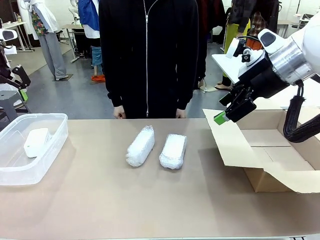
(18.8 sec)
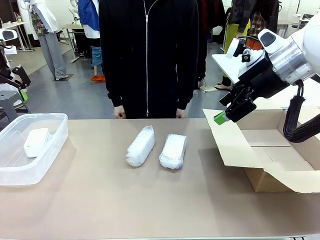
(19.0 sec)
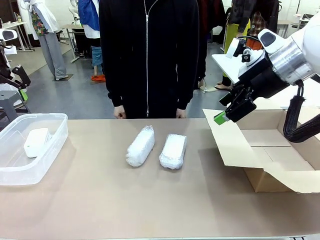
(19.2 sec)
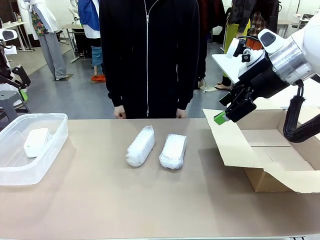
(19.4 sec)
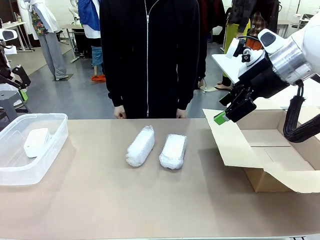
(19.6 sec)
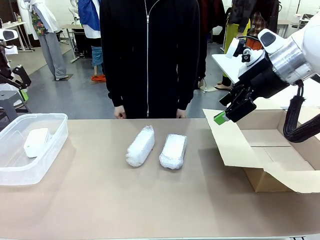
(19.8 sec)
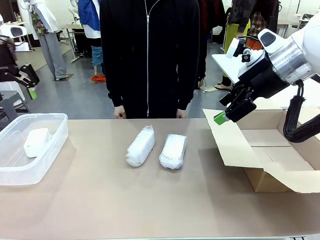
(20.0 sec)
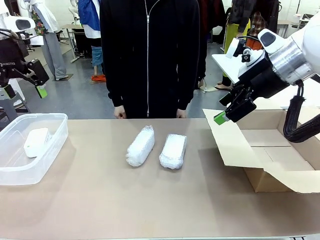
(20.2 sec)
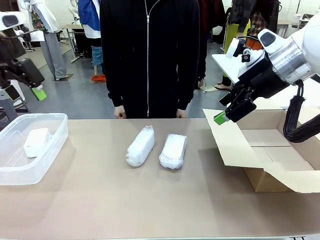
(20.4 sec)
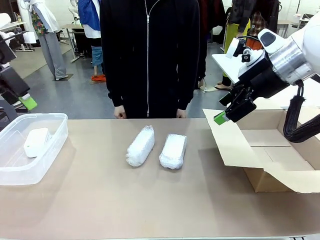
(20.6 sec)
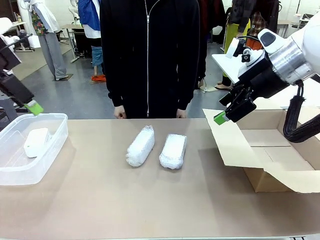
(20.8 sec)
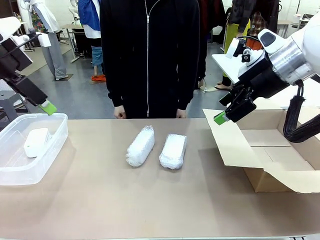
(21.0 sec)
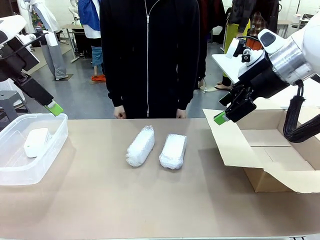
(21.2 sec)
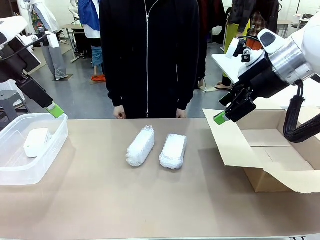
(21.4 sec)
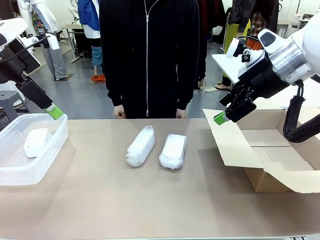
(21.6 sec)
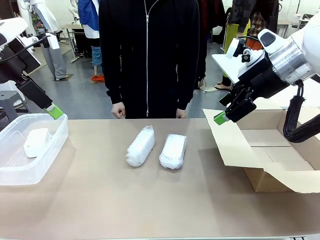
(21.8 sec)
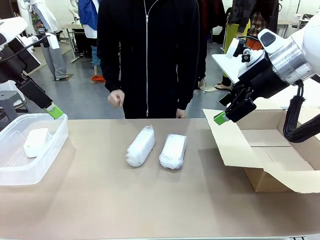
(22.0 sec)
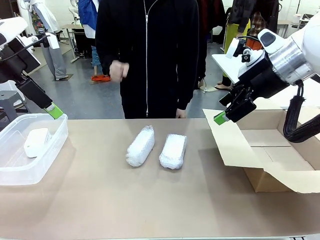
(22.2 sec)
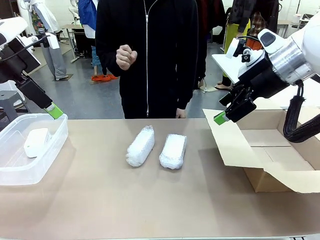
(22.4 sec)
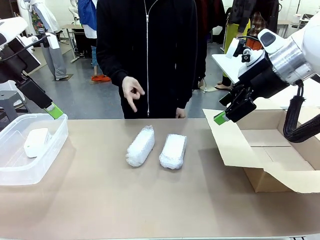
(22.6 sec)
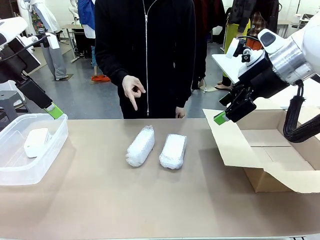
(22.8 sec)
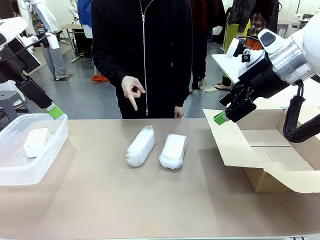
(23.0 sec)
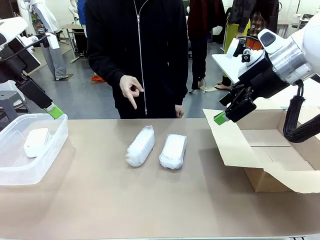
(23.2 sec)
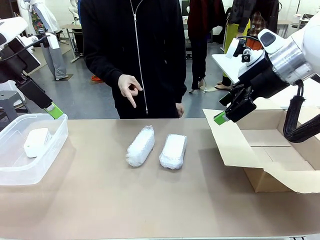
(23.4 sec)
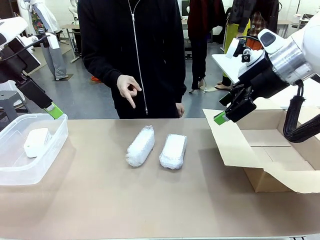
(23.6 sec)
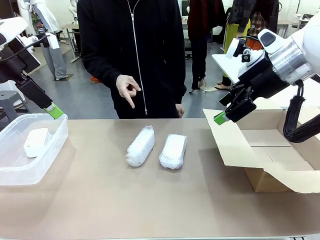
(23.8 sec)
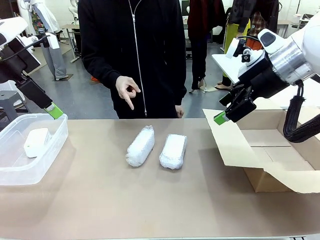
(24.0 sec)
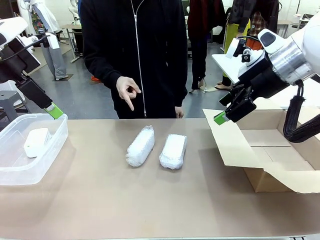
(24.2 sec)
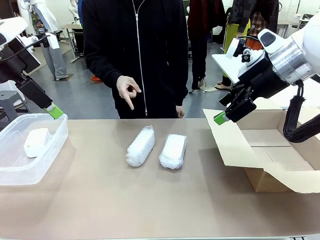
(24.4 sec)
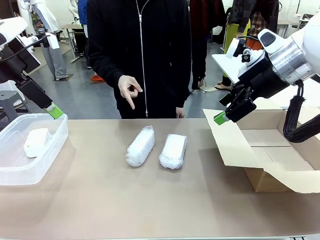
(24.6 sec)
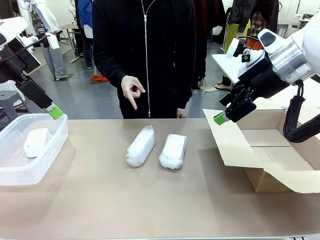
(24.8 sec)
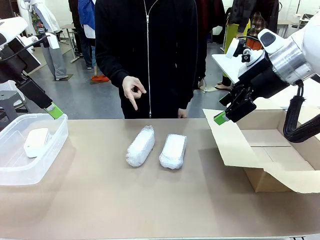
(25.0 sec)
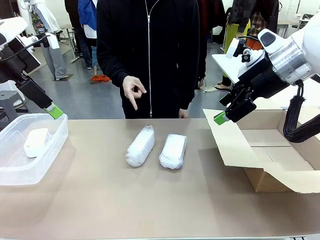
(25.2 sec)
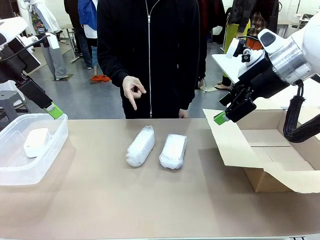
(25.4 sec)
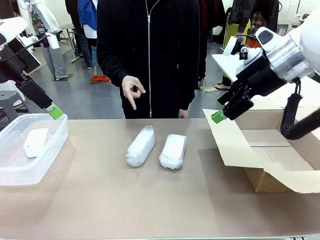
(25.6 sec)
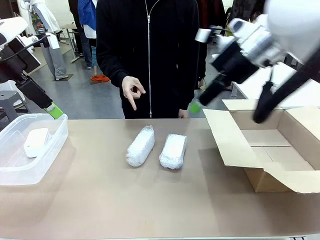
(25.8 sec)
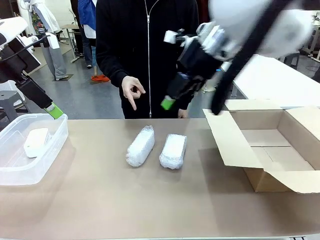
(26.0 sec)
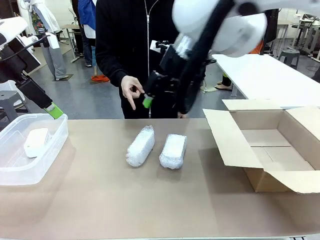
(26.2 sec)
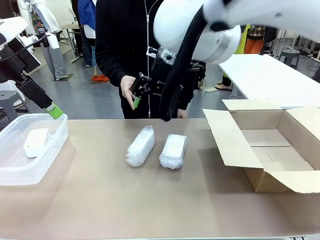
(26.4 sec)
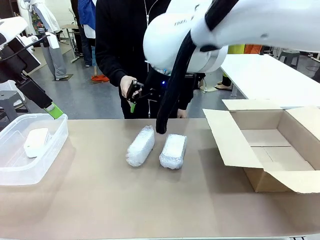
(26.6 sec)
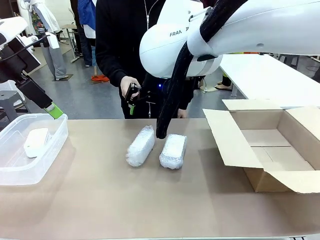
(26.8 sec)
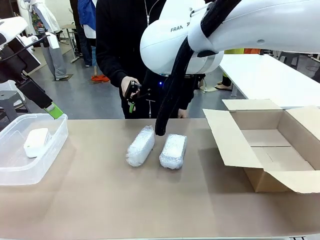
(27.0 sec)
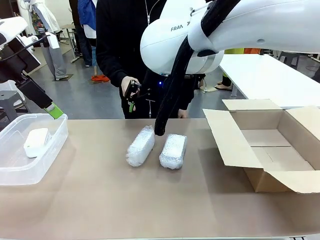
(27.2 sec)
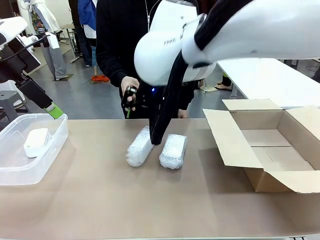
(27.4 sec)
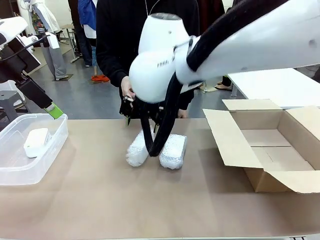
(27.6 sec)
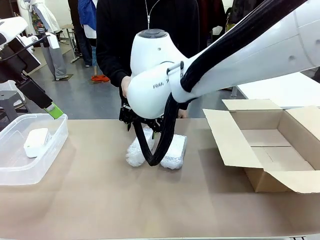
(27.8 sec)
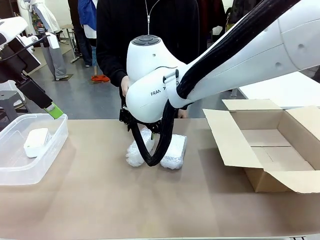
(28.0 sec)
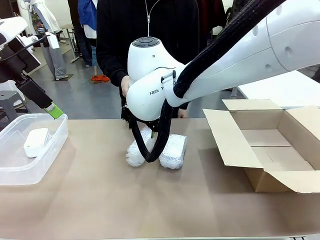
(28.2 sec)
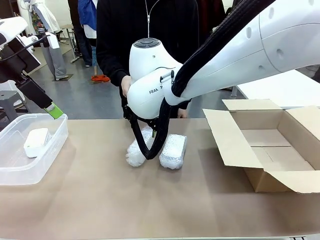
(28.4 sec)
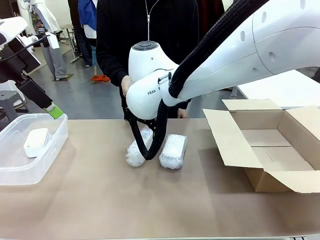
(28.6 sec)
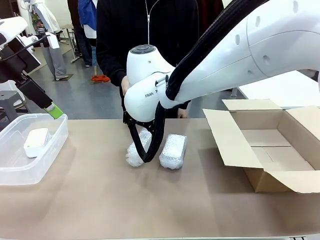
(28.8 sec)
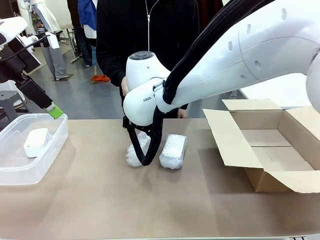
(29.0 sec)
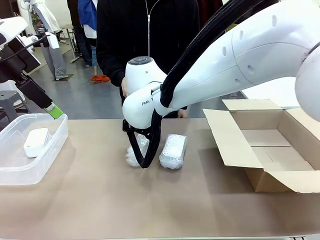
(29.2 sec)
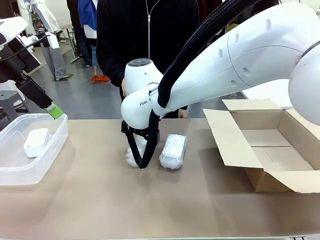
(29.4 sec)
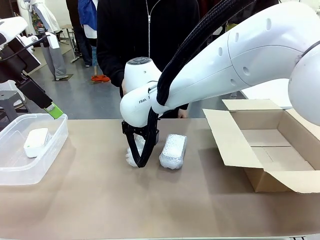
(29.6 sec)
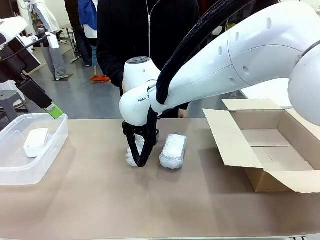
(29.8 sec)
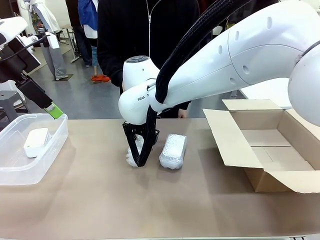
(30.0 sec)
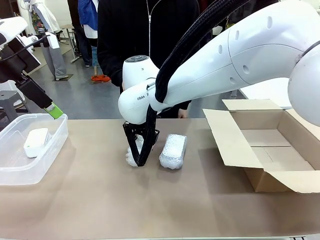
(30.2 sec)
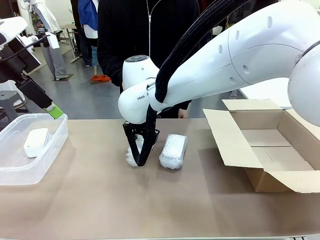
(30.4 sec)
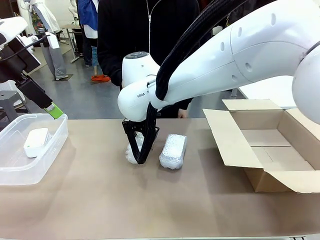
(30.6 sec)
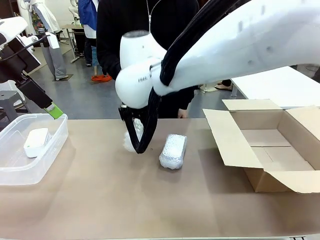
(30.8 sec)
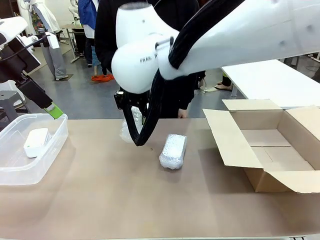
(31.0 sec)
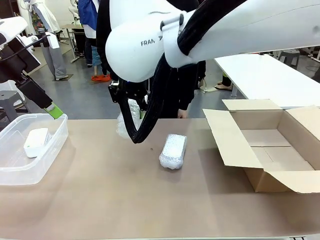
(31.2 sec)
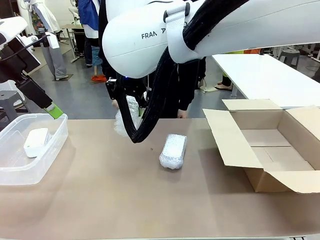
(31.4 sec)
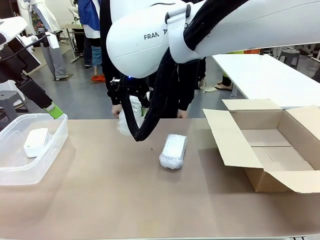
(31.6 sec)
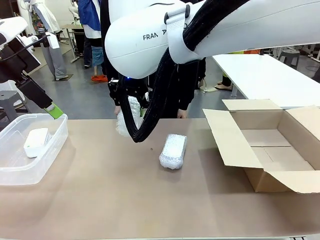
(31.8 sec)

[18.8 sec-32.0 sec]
Task: Separate and place wrapped and unwrapped clocks.
Robot: Pick up the Digital clock indicated by the person.

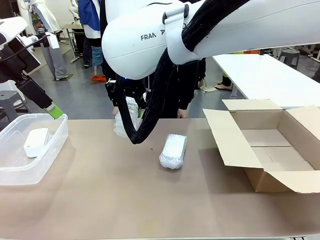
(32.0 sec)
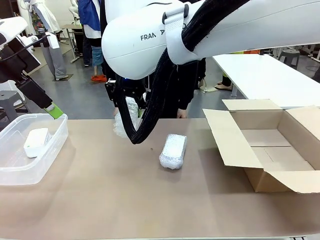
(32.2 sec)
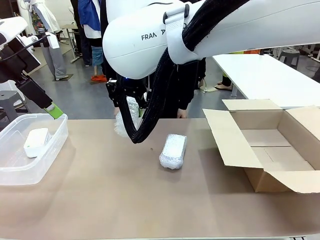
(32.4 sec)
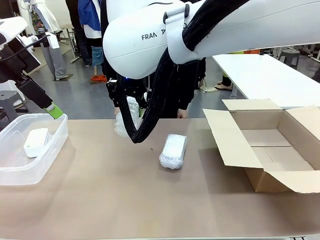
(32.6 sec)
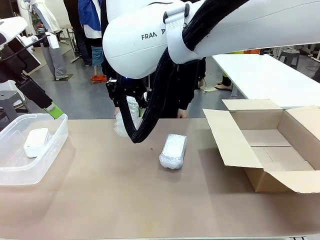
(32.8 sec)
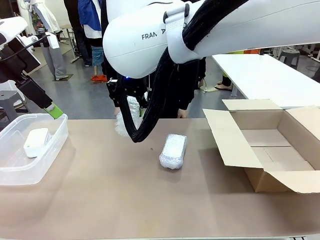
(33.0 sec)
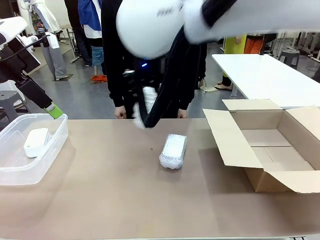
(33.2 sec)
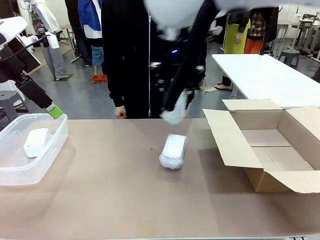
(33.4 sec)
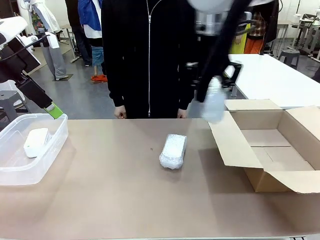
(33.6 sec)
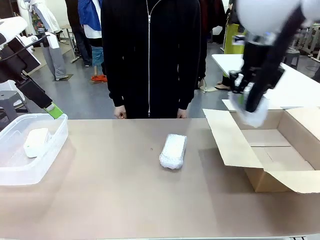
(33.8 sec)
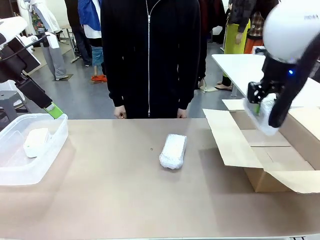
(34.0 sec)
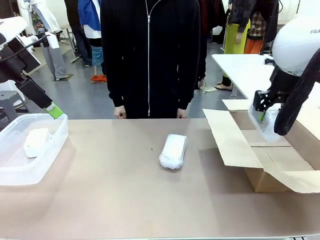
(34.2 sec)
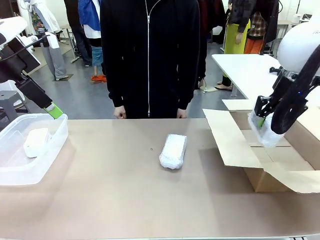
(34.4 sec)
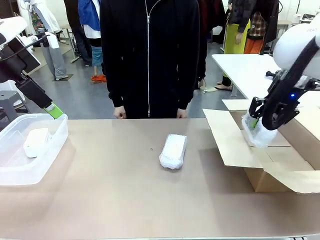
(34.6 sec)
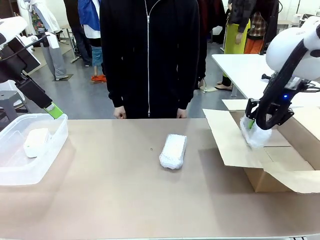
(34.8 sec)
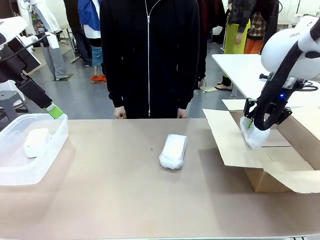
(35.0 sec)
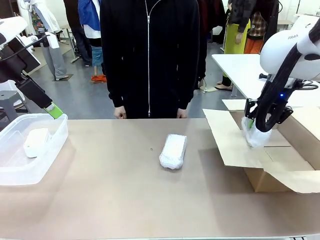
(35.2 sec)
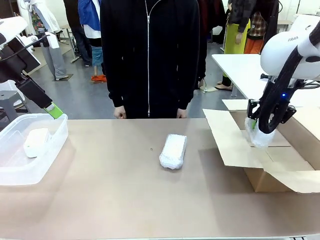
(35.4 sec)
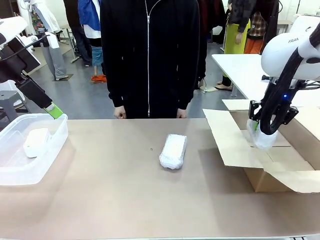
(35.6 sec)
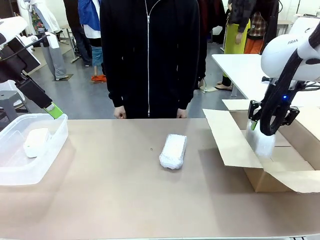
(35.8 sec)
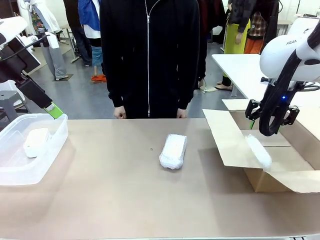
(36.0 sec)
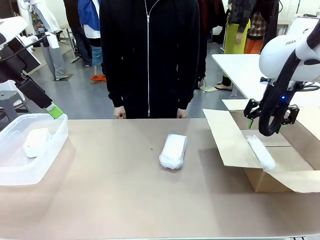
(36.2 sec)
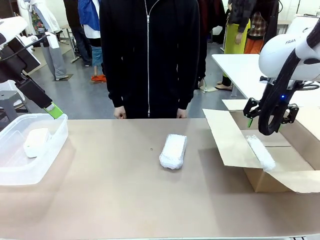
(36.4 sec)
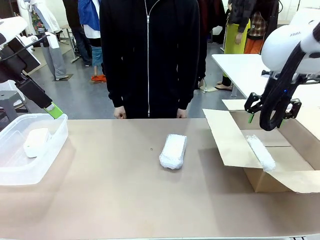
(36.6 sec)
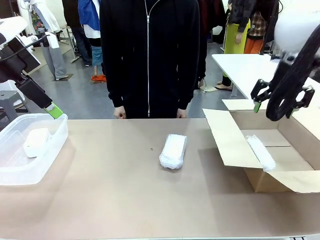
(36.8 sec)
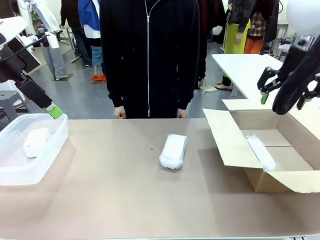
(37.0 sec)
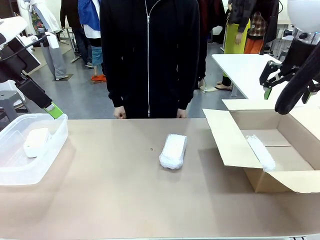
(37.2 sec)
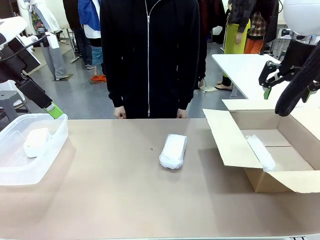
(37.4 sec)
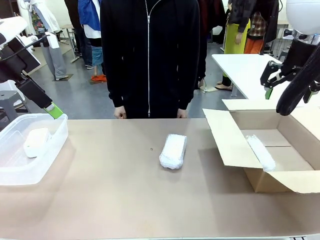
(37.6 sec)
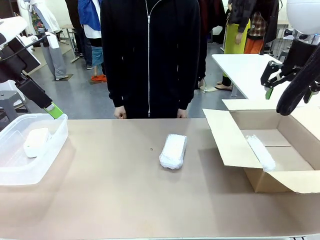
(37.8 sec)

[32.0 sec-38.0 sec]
Robot: If the picked Digital clock is wrapped, place it in the Package Box ; if not, place it in the Organizing box.
